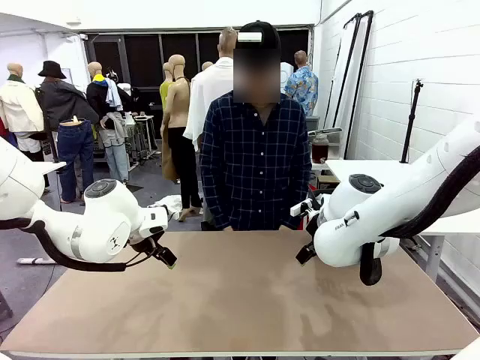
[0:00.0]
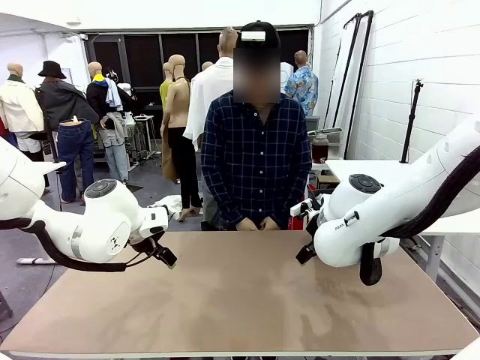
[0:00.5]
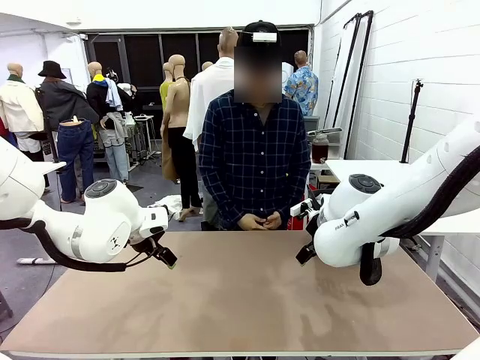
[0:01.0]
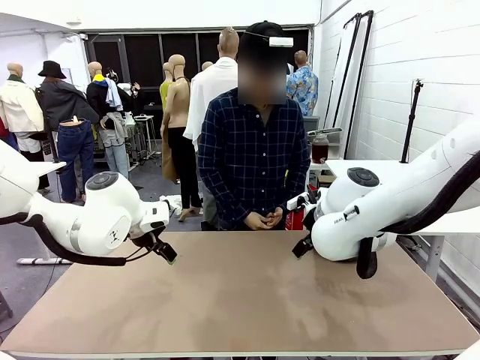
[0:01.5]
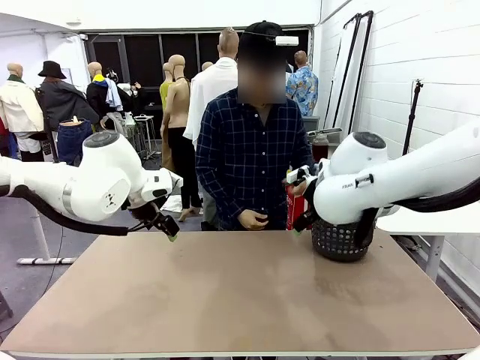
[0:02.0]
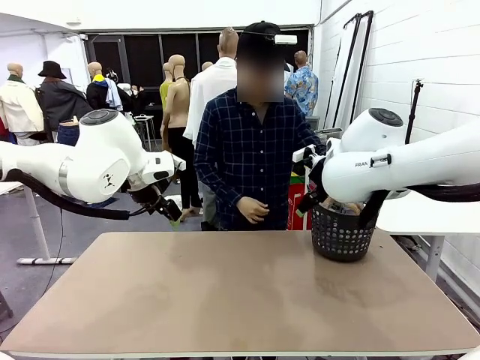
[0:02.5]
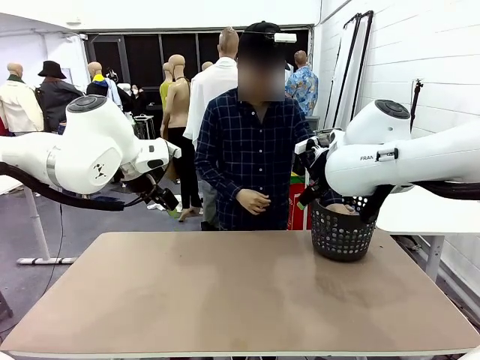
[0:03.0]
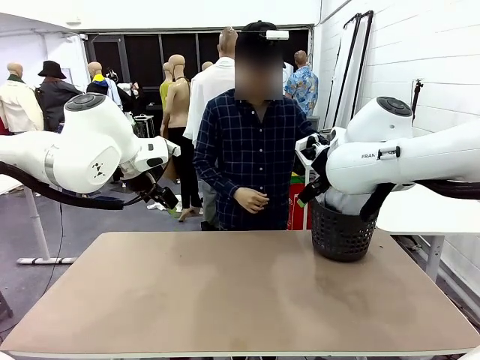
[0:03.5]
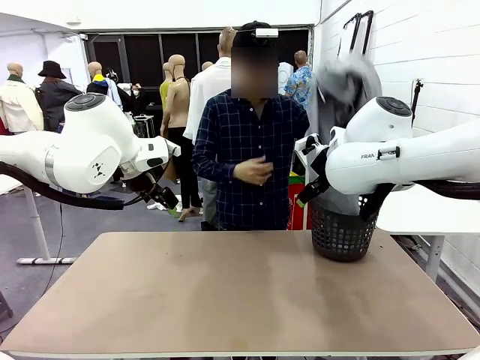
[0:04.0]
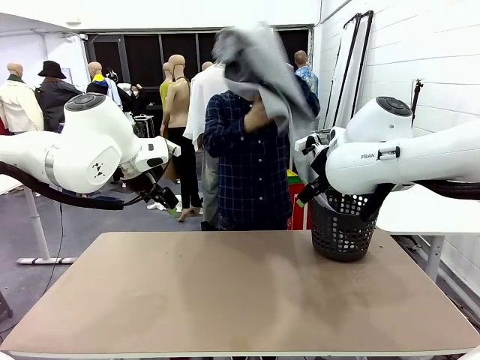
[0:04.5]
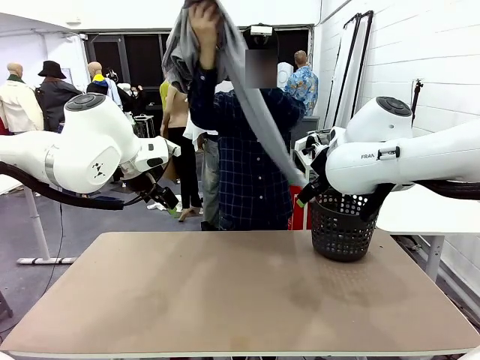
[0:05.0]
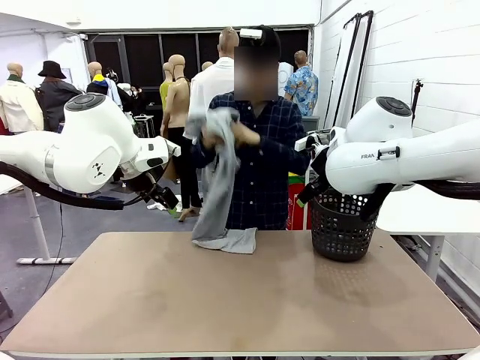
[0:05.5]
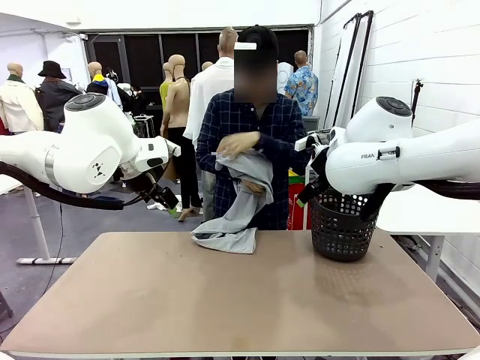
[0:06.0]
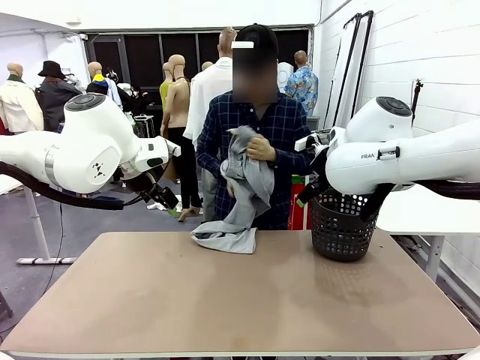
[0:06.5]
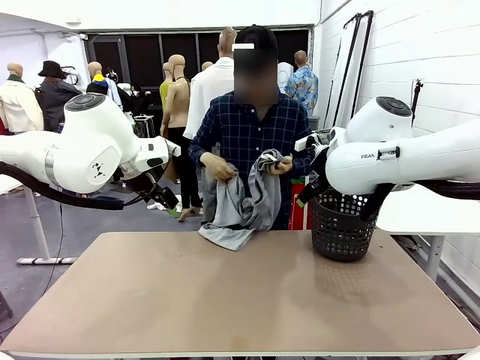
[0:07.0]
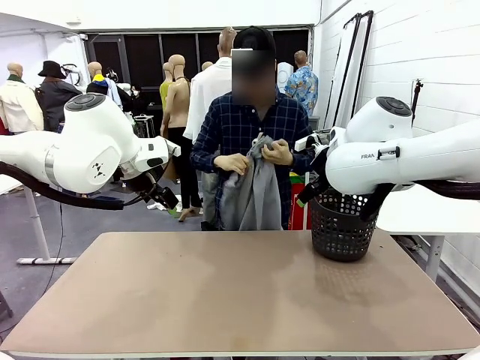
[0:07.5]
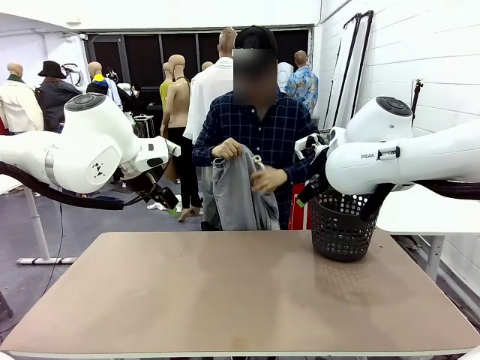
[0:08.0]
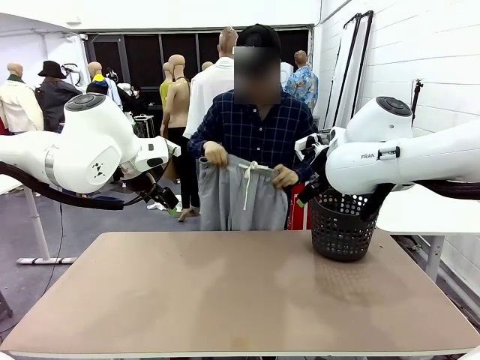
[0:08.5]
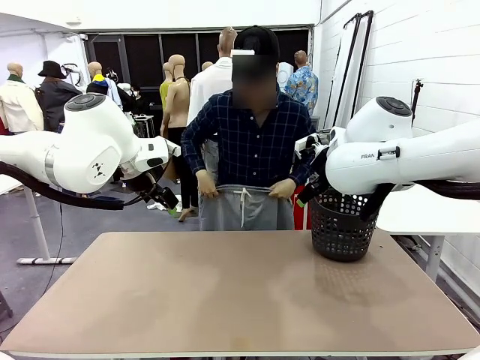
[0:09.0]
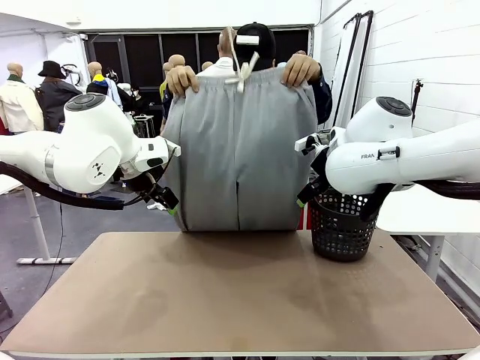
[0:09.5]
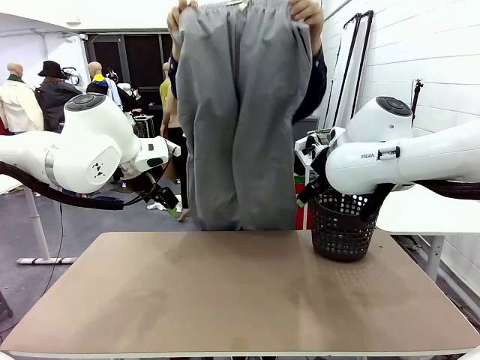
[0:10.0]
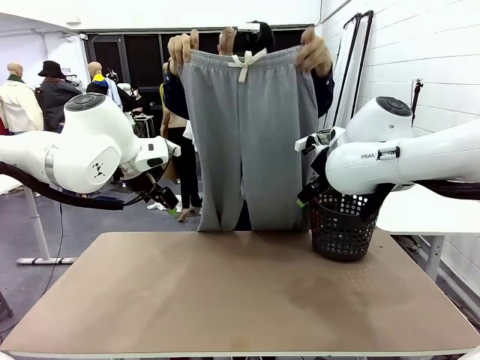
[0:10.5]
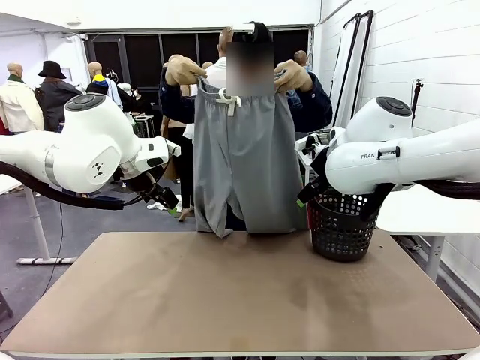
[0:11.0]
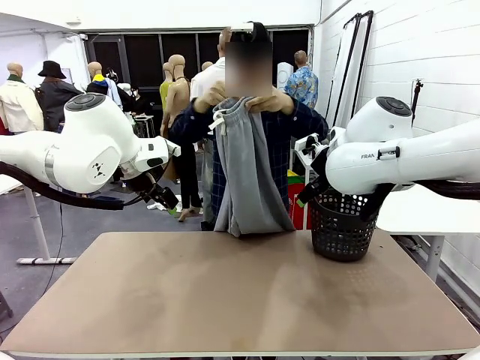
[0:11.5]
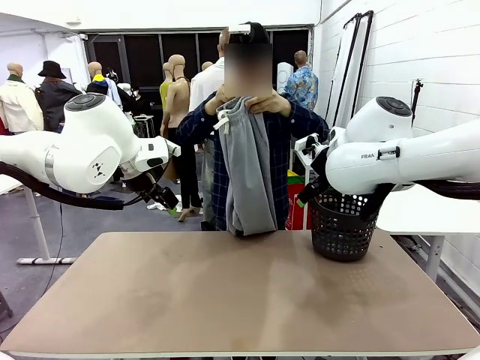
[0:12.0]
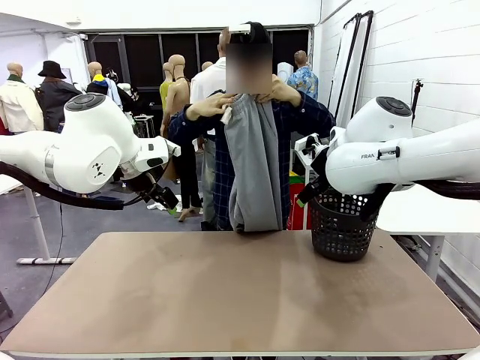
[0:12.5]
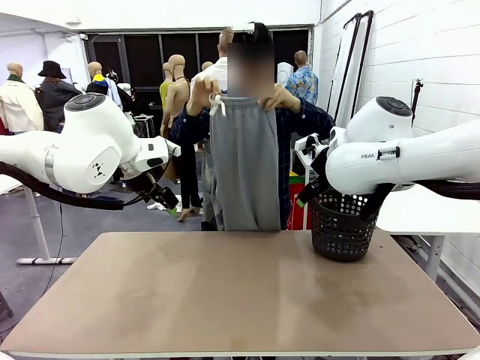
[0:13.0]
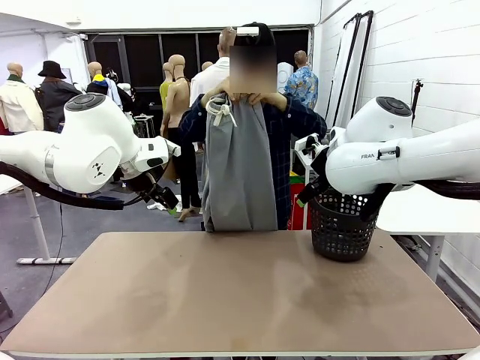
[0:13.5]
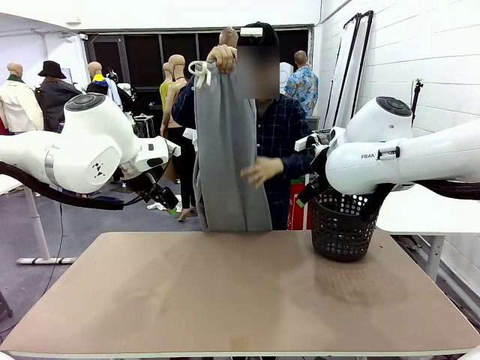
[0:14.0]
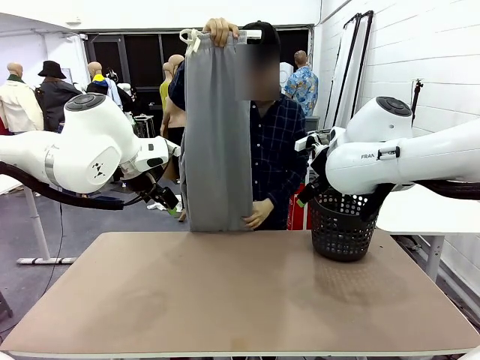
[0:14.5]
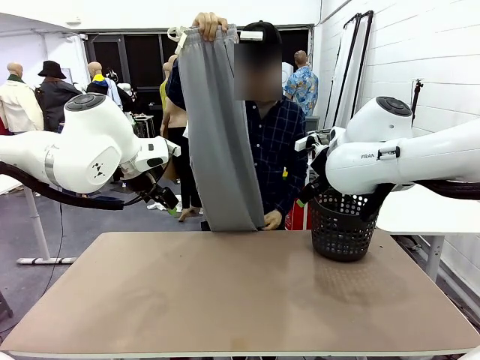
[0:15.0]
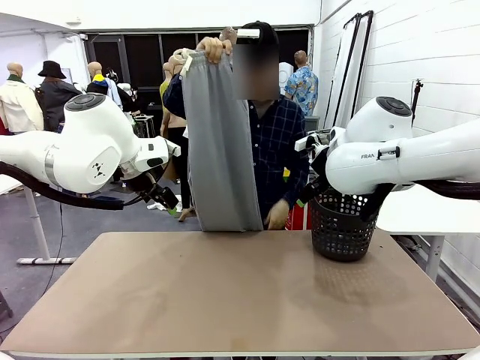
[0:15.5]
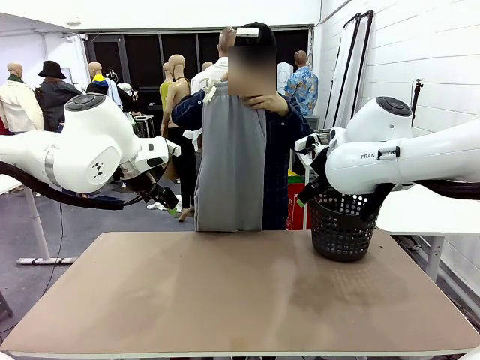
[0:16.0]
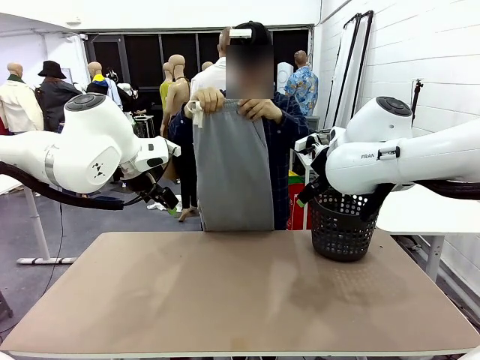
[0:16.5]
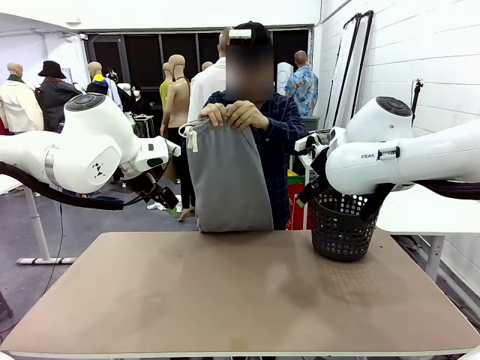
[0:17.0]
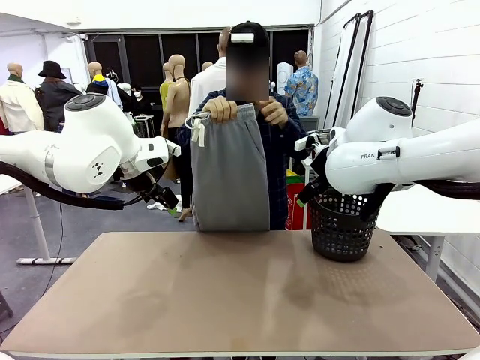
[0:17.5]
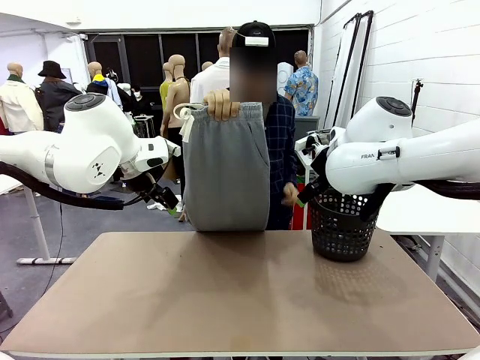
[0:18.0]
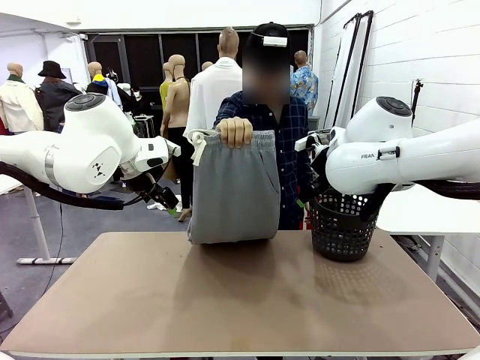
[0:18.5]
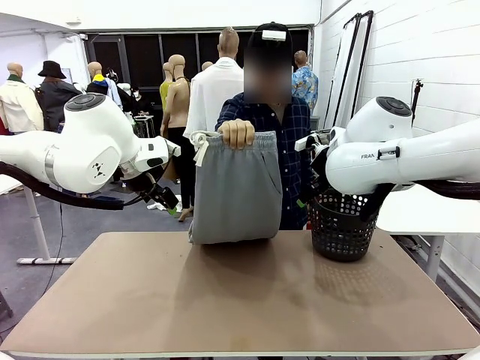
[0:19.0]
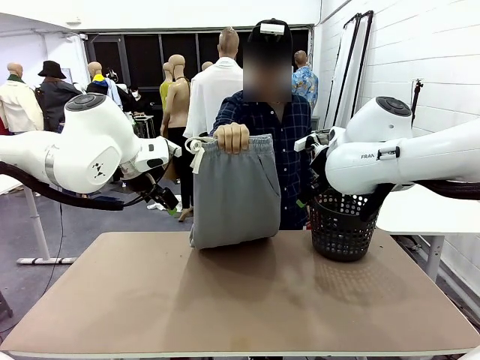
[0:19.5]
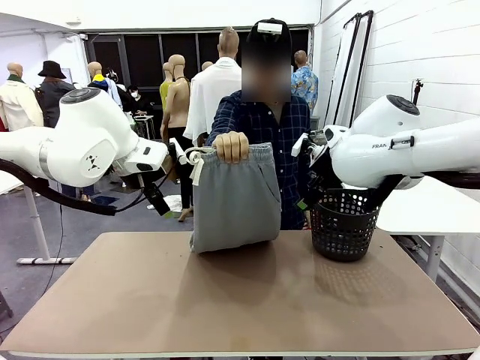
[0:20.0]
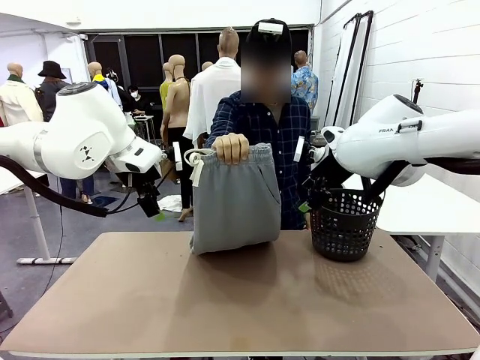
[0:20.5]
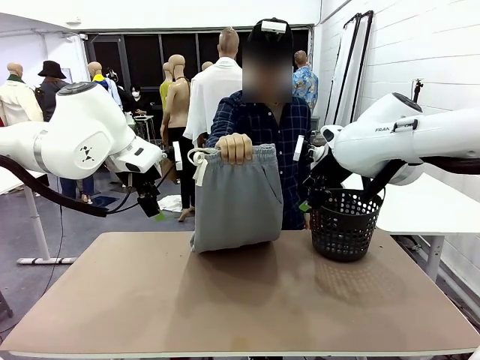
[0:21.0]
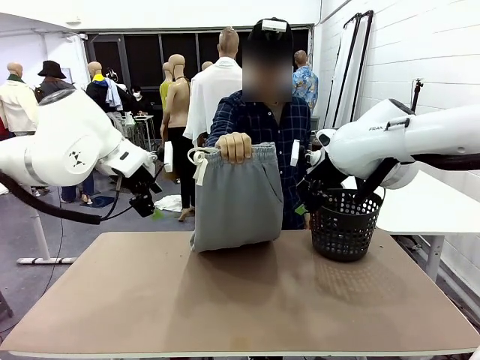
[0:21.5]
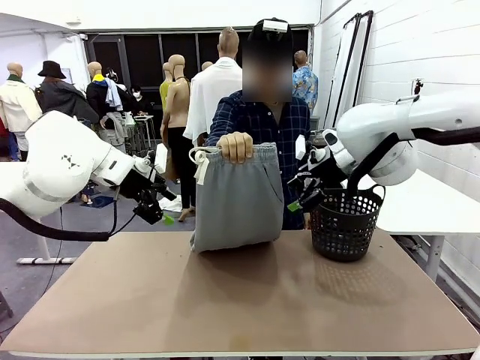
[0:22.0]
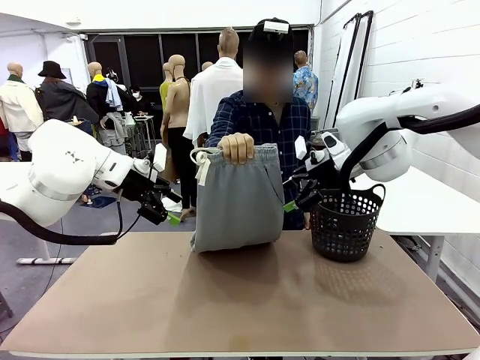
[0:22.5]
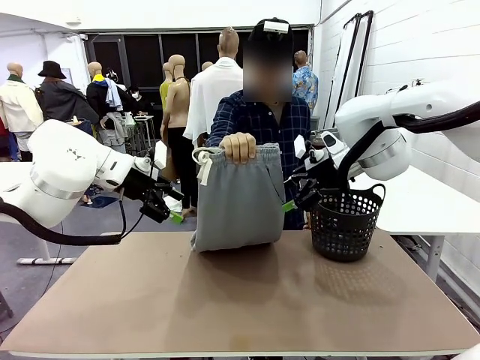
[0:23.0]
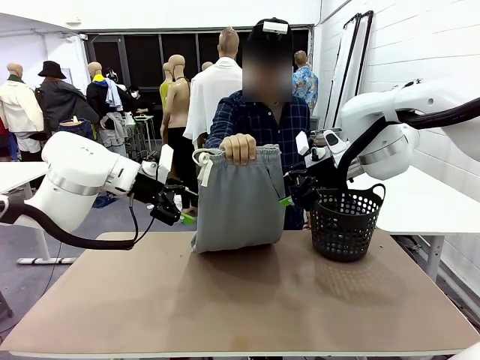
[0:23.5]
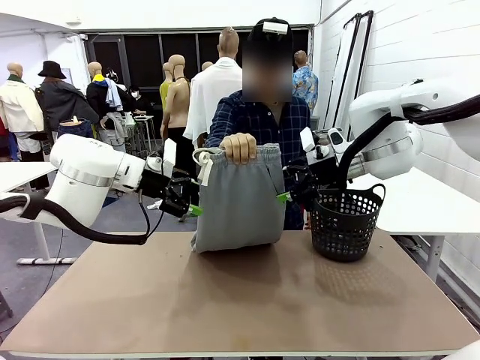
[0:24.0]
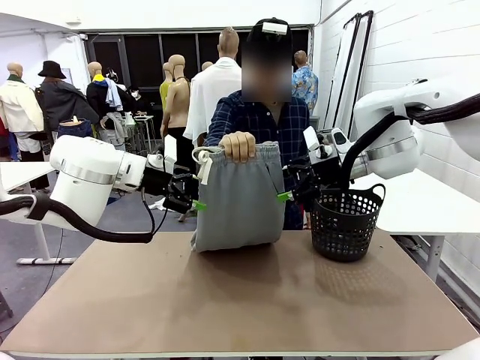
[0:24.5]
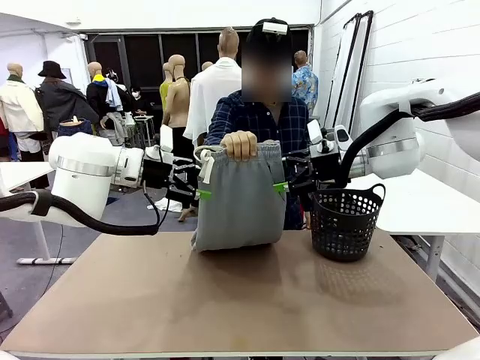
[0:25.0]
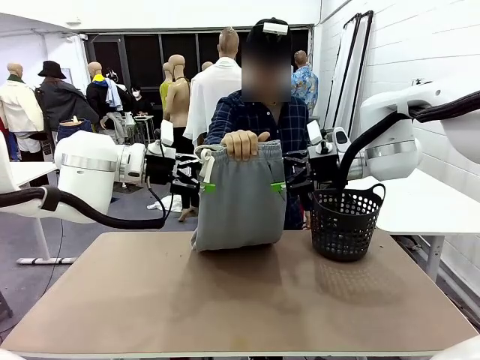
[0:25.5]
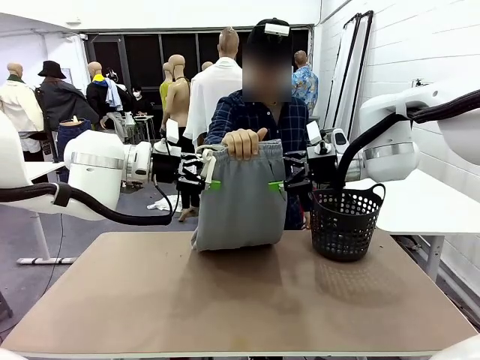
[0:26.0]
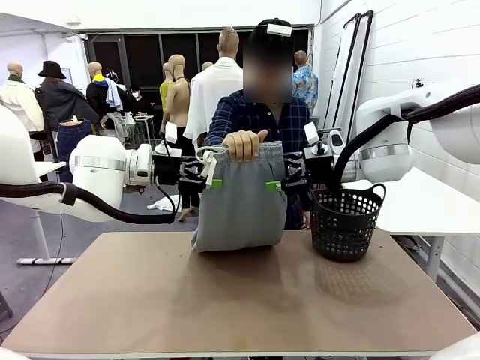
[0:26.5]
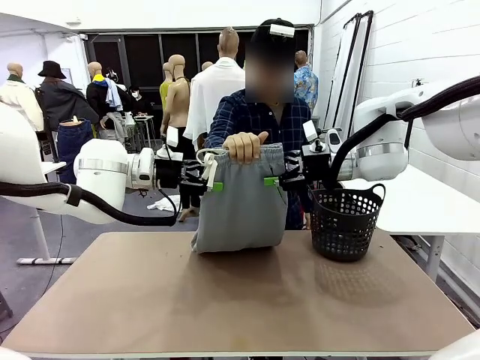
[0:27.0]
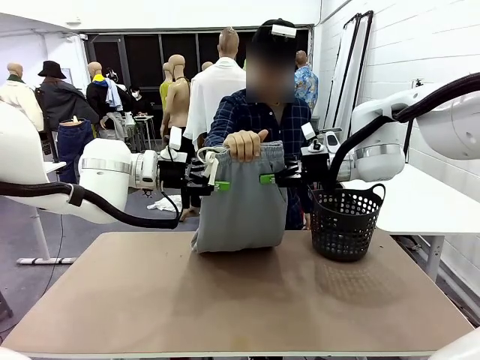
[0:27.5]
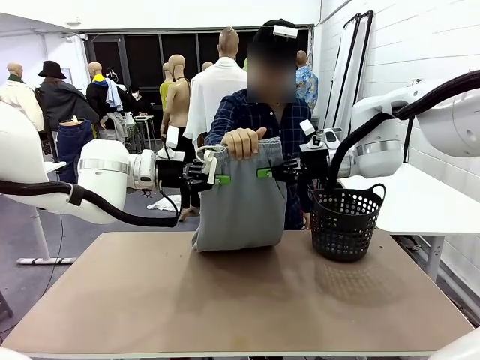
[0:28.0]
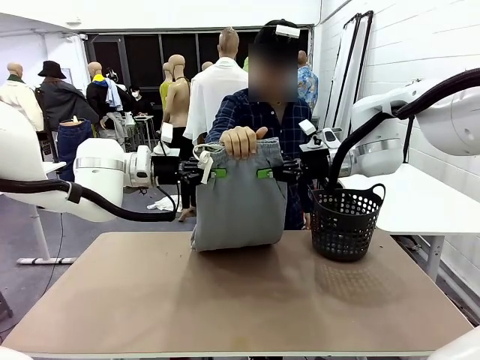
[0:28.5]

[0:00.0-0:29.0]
Task: Fold the training pants.
Robot: Grab both ends of the Training pants handed by a person.
Person: Take the long pants out of the laundry basket, unfold them, fold the waist in half, and extend them so the robot can pick up both corners.
